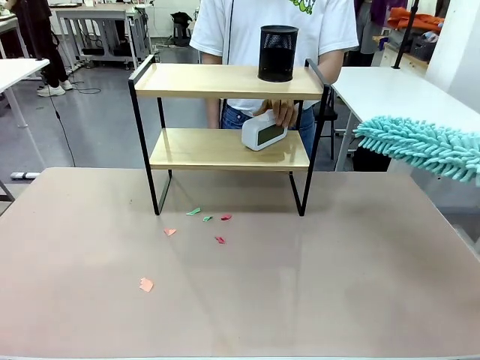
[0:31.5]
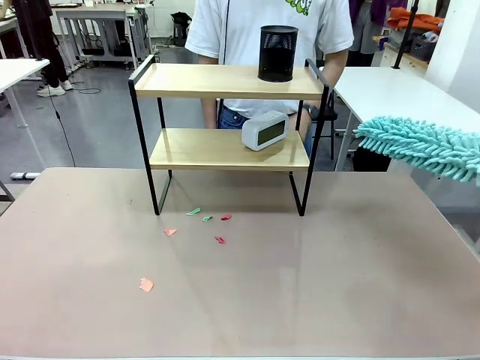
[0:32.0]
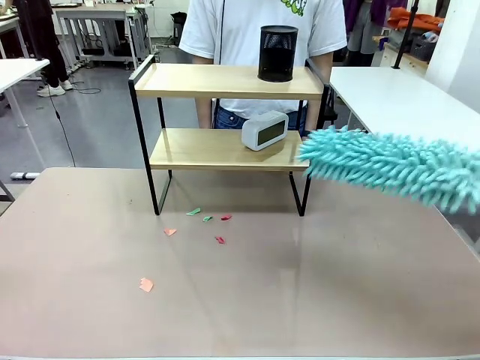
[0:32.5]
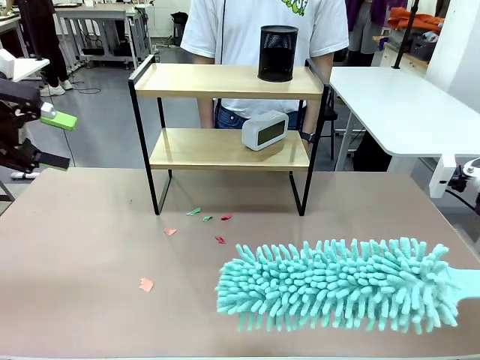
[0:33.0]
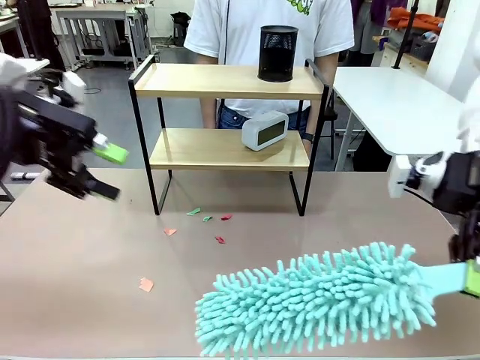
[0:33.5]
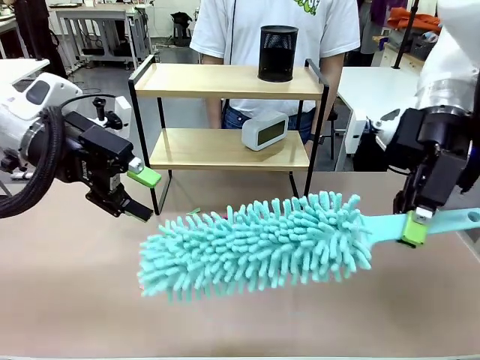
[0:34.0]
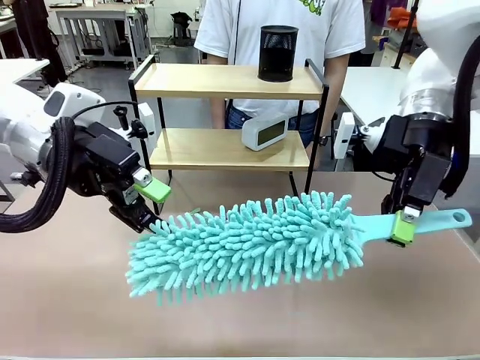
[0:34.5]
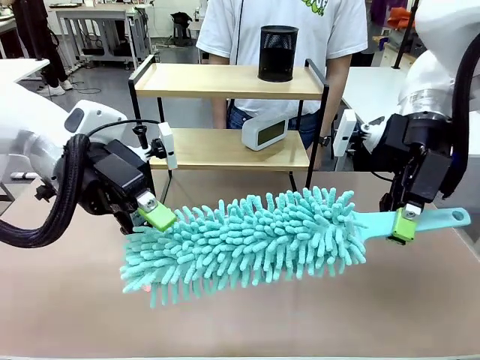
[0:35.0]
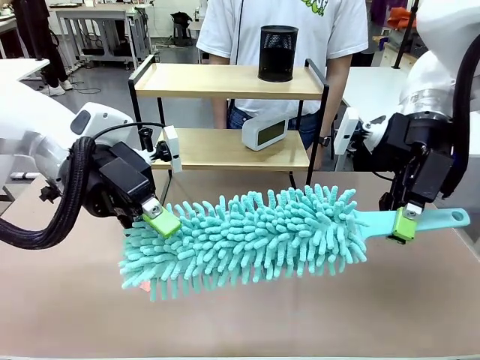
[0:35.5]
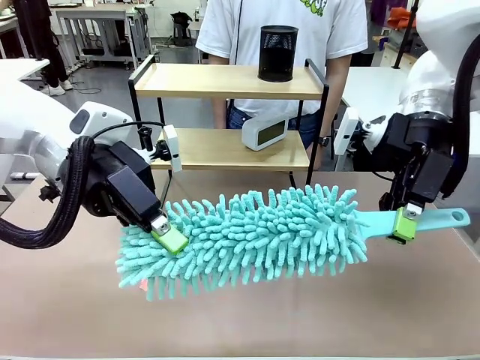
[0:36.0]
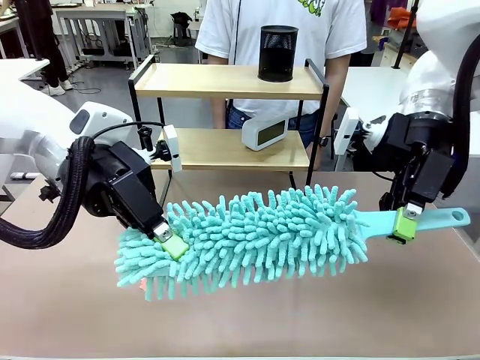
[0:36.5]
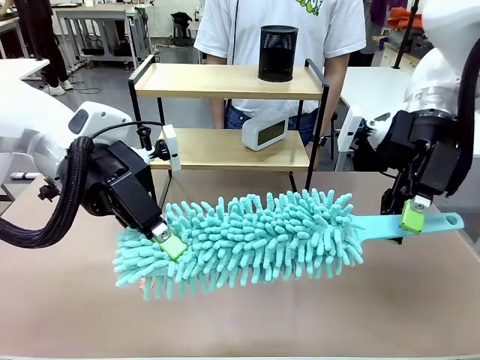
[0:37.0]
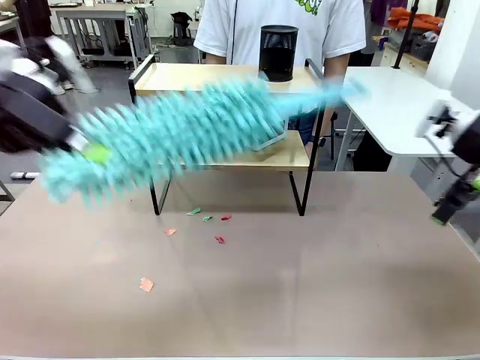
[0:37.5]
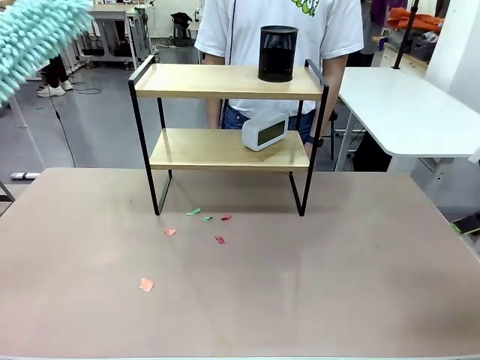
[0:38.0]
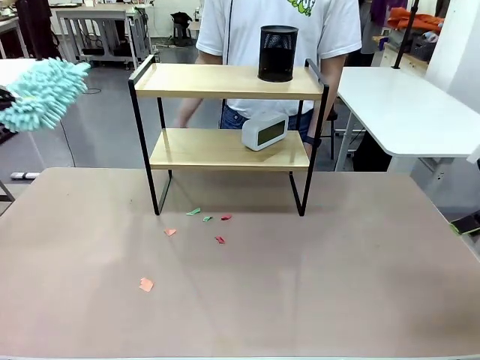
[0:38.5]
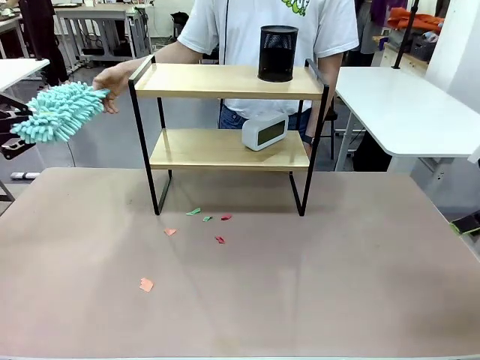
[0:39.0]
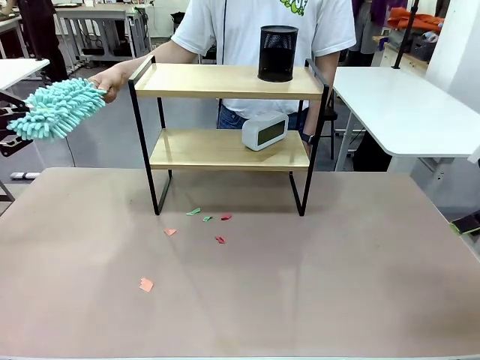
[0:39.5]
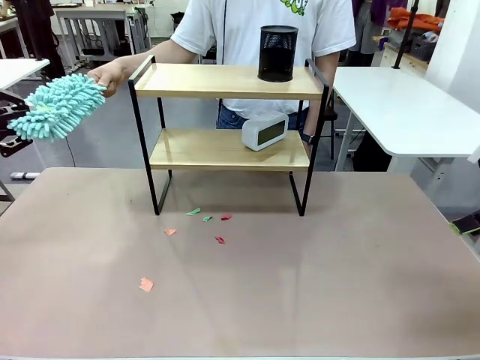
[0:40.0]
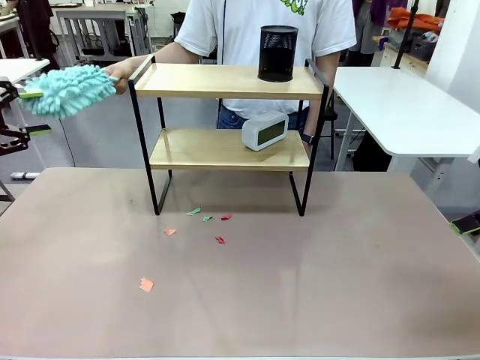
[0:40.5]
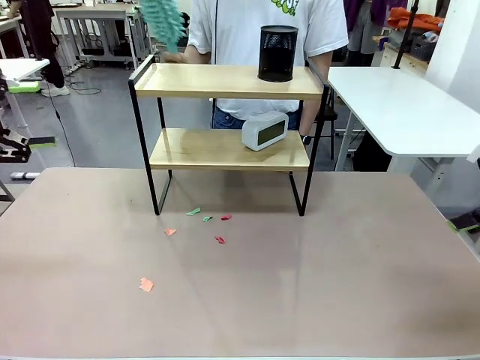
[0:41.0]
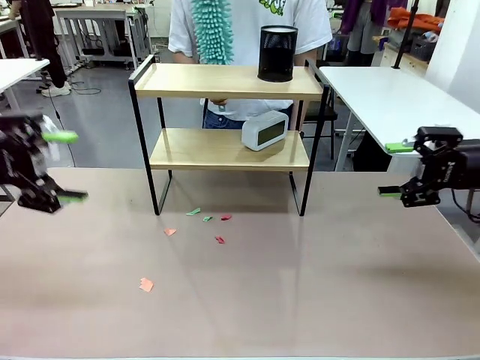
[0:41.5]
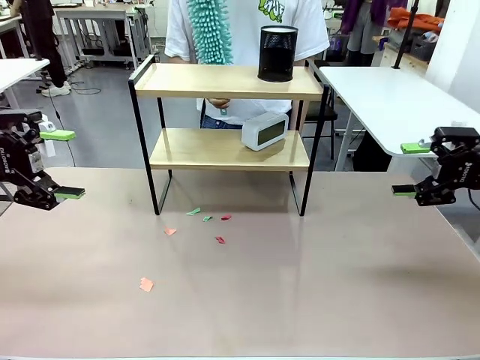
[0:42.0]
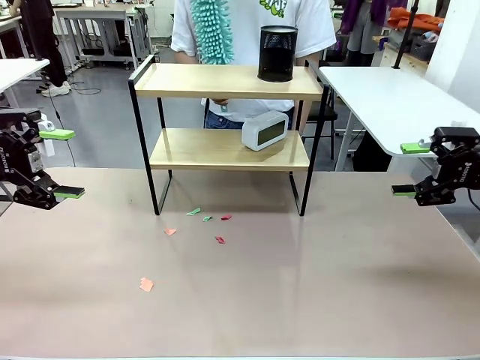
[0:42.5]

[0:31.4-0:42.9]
Task: Clean the shelf.
Robot: Hand the Duster back to the human.
Person: Receive the Duster from the robot.

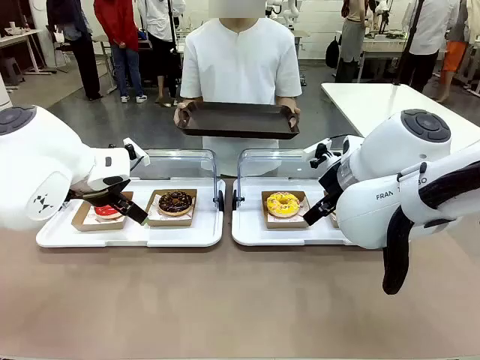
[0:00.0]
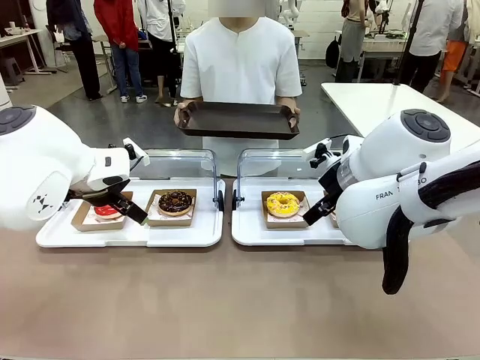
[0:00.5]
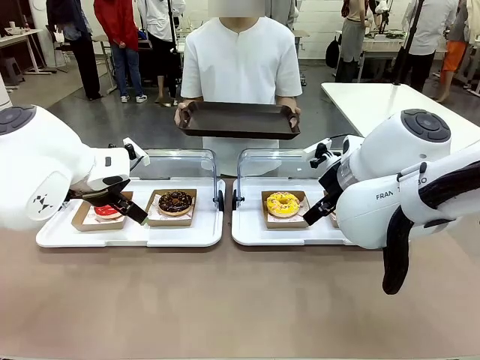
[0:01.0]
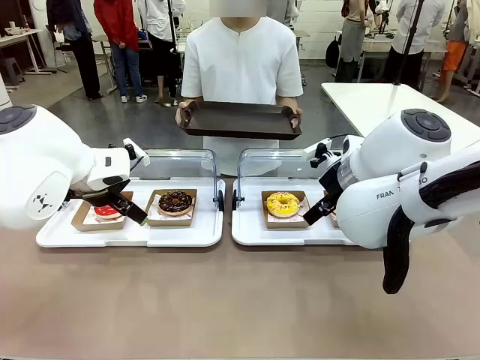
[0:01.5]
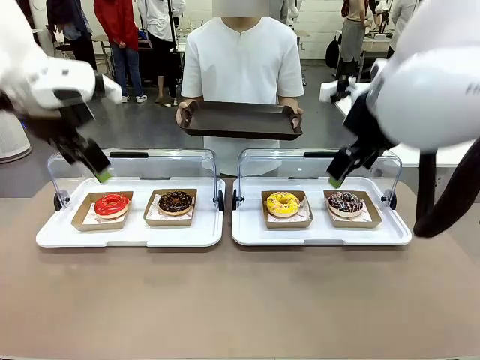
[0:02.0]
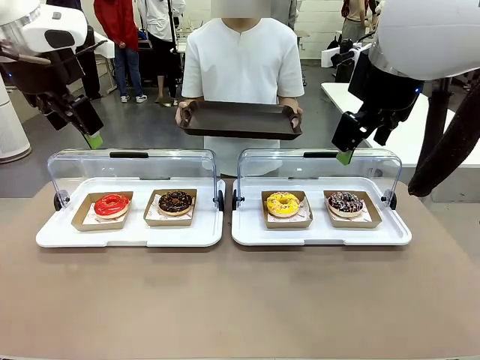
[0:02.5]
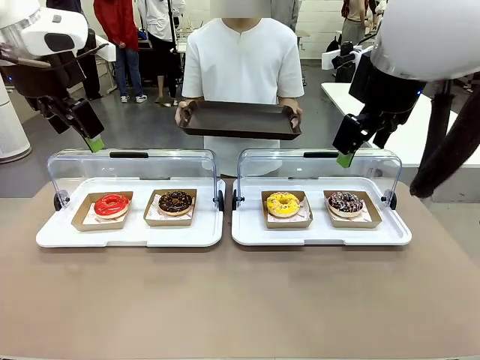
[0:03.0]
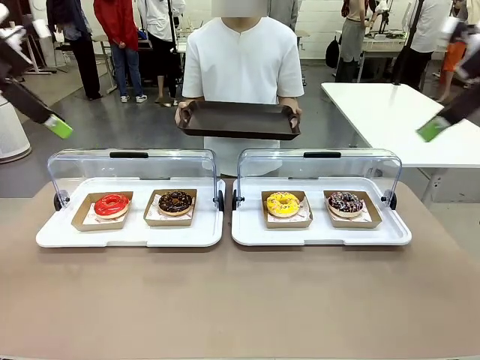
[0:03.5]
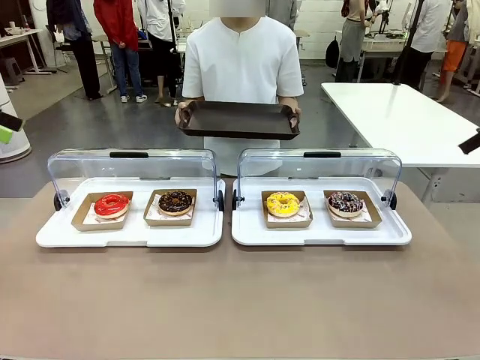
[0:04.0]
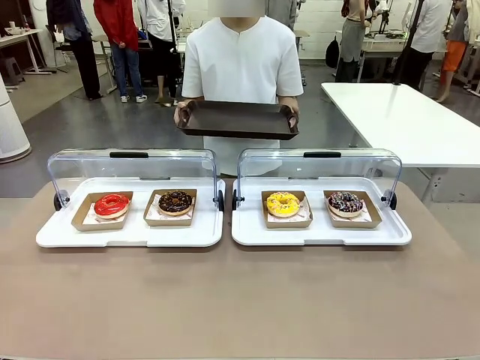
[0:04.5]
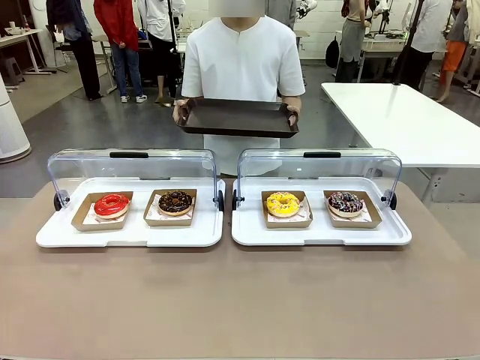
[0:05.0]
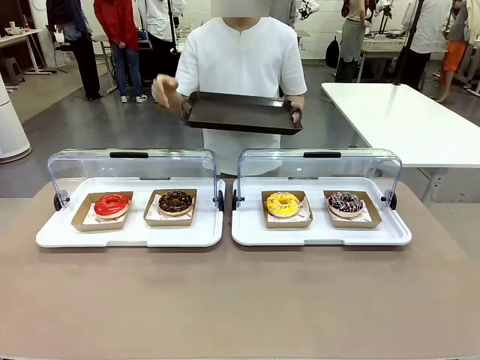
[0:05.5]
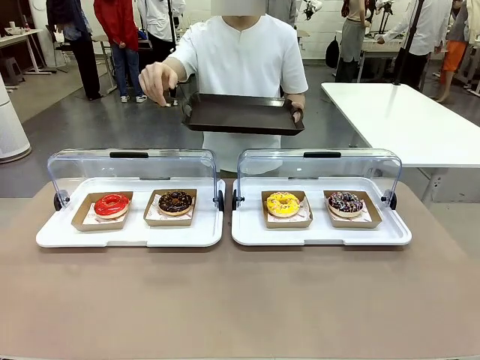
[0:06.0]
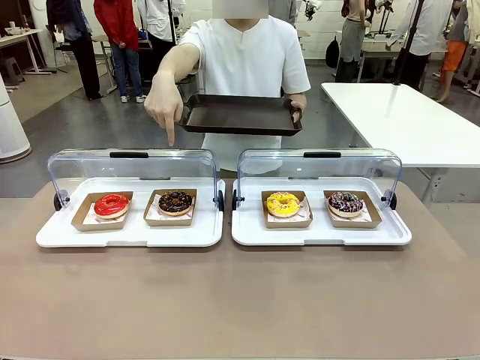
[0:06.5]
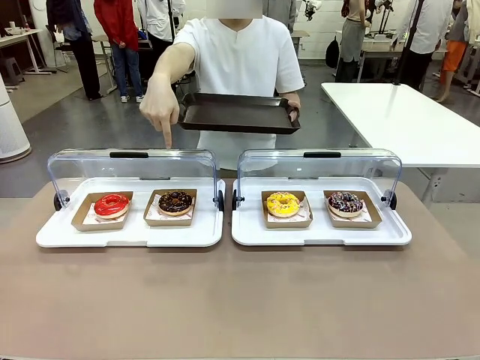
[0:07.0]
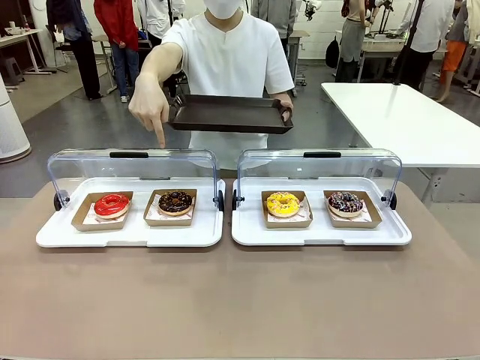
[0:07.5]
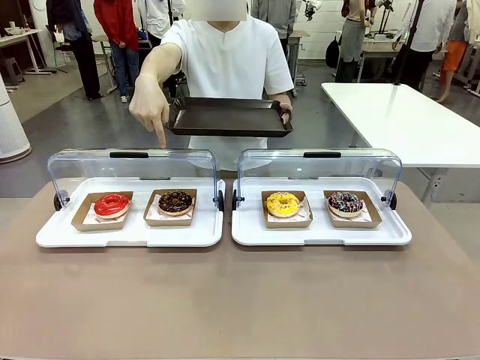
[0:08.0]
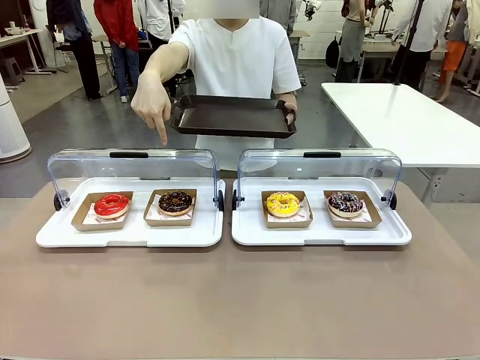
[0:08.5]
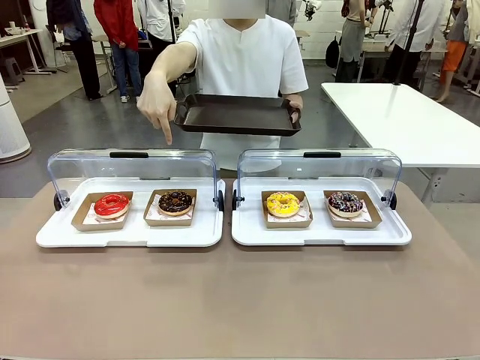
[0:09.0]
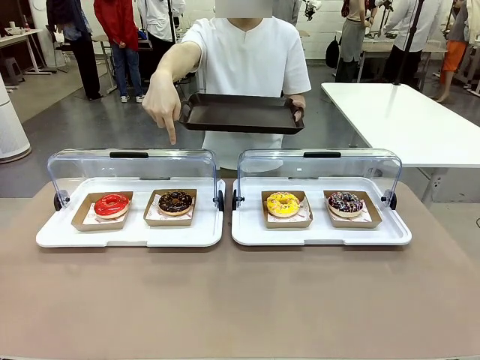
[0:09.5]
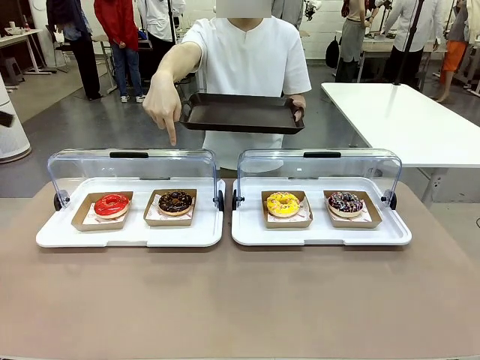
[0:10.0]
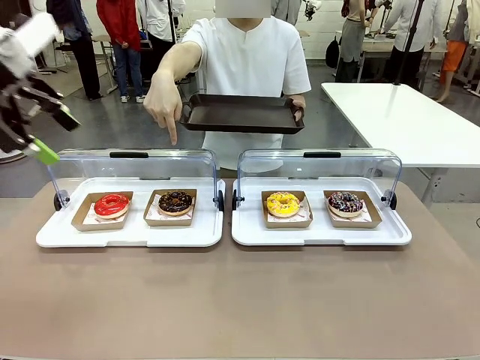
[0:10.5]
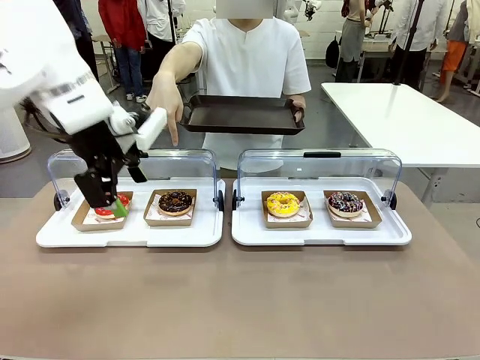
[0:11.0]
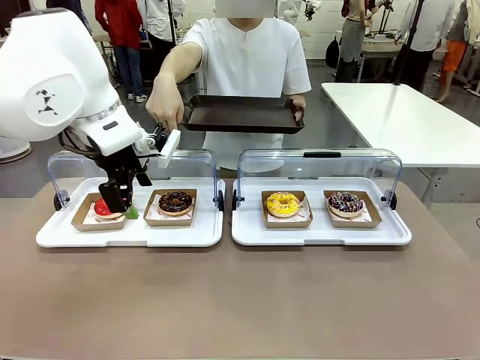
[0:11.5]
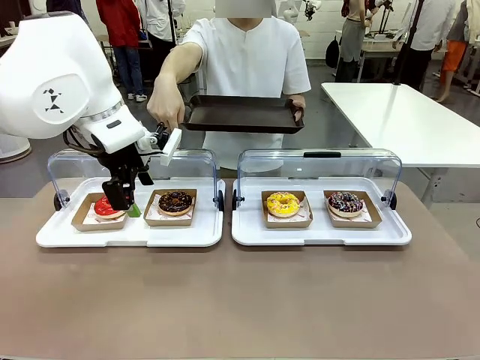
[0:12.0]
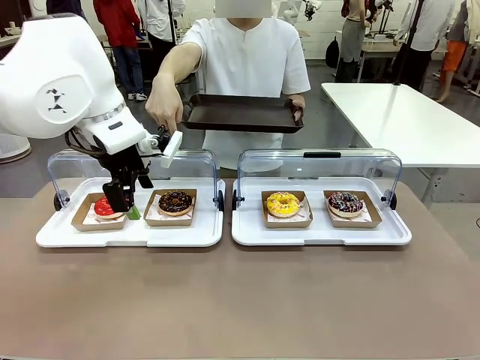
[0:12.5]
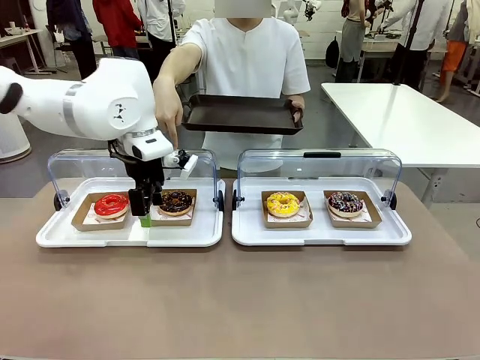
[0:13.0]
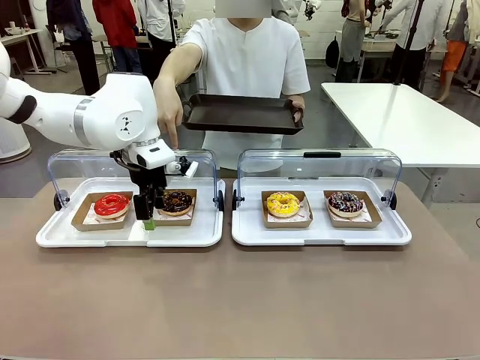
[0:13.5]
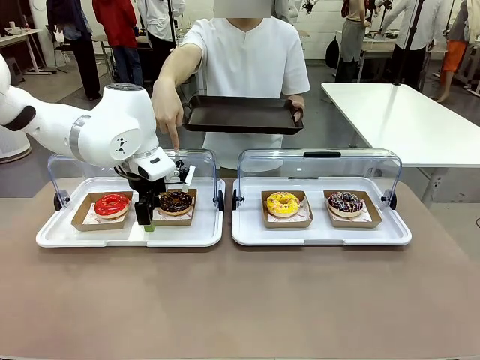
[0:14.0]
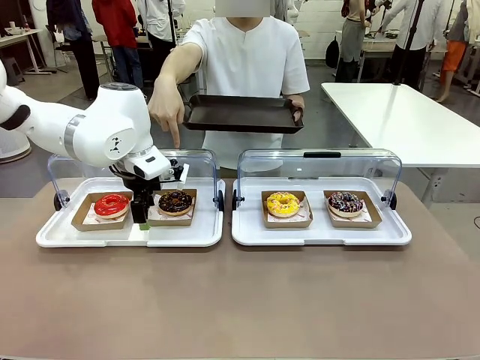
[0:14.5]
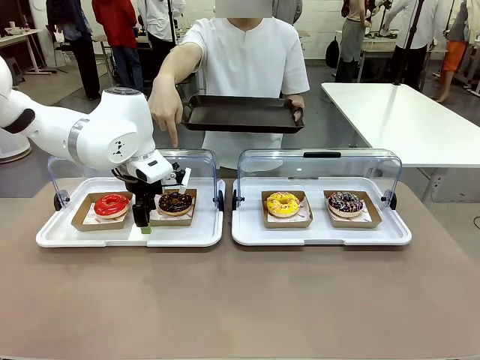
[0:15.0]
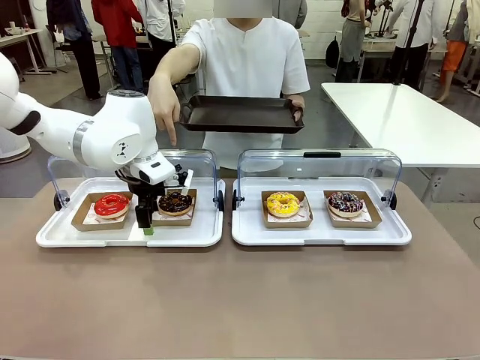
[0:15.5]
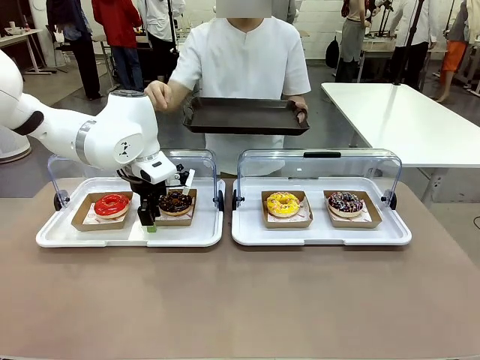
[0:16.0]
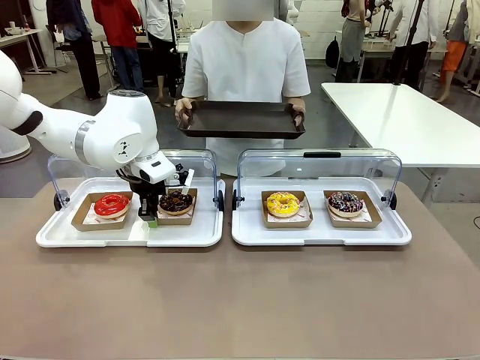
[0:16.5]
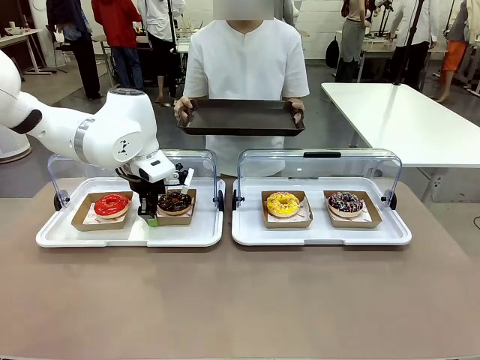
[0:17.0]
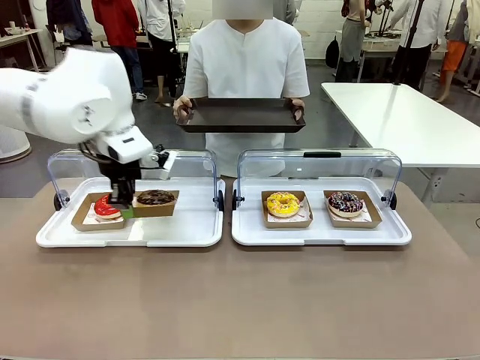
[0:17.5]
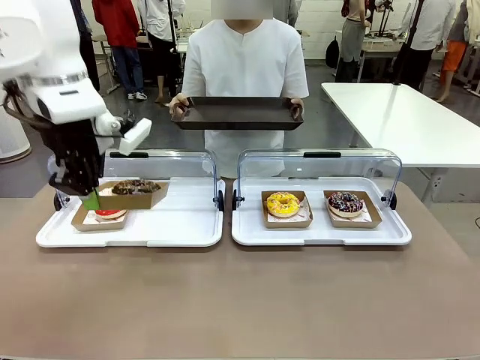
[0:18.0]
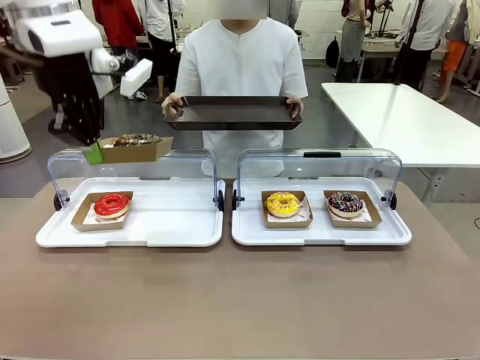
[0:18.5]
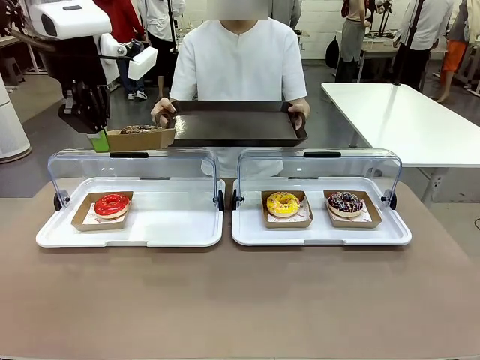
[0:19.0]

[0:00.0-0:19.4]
Task: Provide the desired donut to the person.
Robot: Pick up and lift the Paper togo box containing the Donut pointed at by the person.
Person: Point to one donut. Lift the tray onto the Roll-Top Bakery Case.
